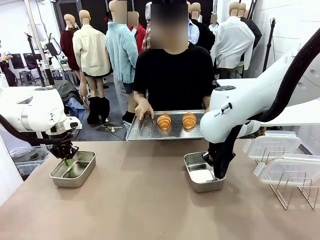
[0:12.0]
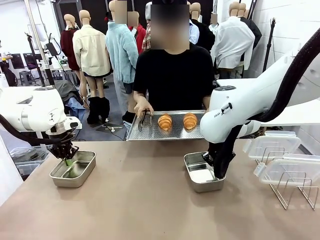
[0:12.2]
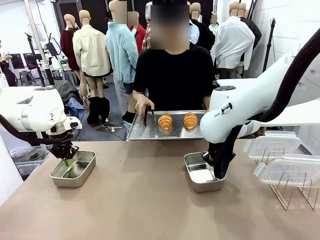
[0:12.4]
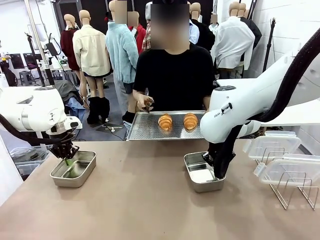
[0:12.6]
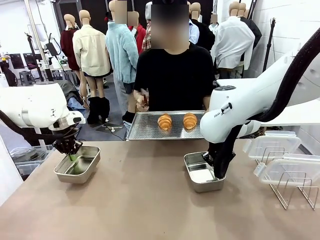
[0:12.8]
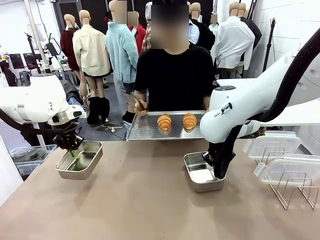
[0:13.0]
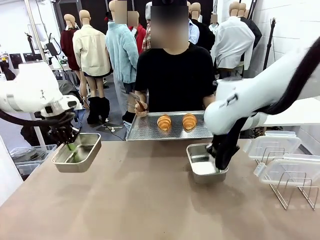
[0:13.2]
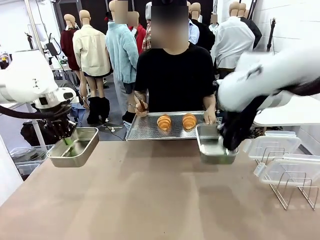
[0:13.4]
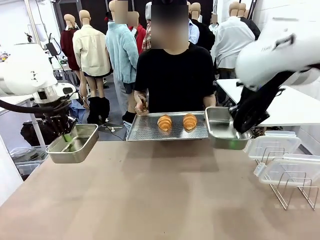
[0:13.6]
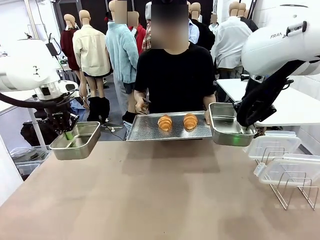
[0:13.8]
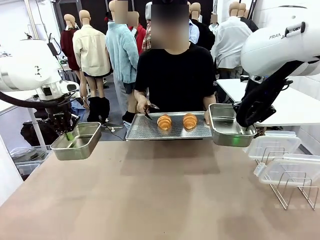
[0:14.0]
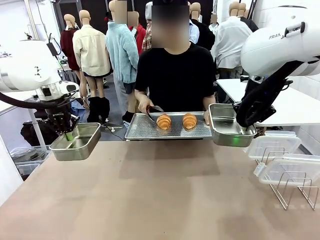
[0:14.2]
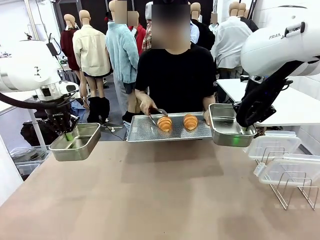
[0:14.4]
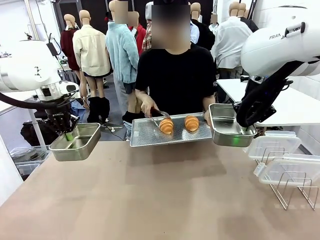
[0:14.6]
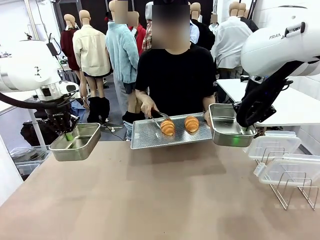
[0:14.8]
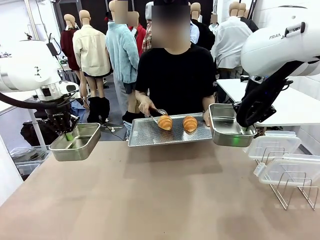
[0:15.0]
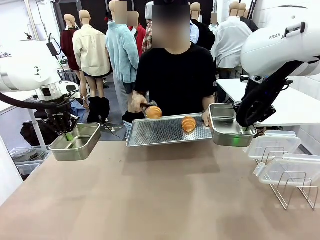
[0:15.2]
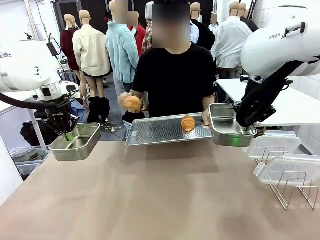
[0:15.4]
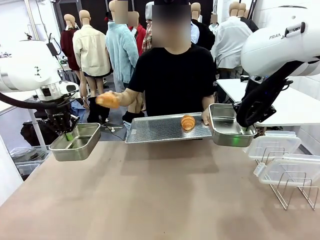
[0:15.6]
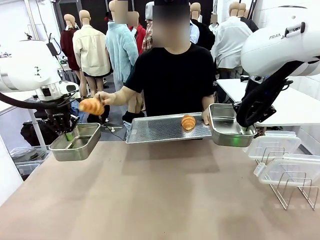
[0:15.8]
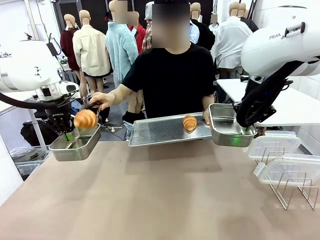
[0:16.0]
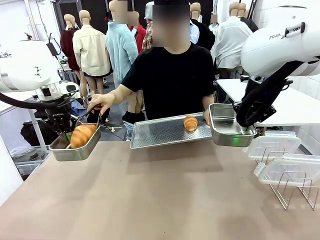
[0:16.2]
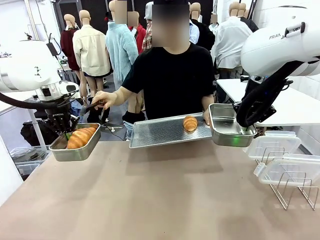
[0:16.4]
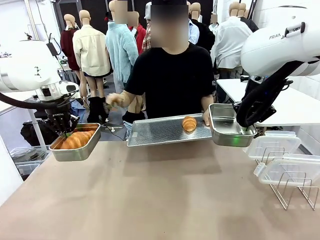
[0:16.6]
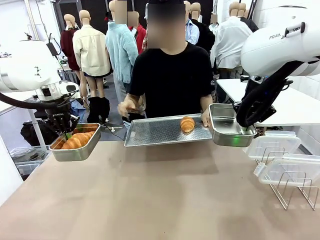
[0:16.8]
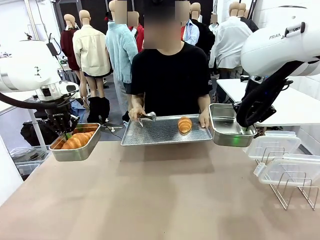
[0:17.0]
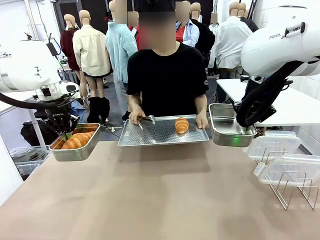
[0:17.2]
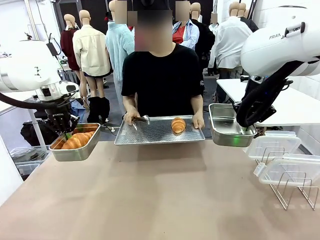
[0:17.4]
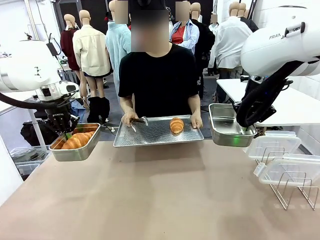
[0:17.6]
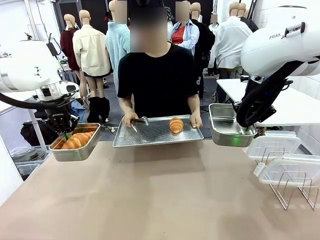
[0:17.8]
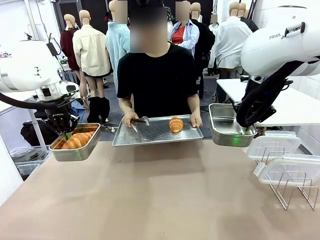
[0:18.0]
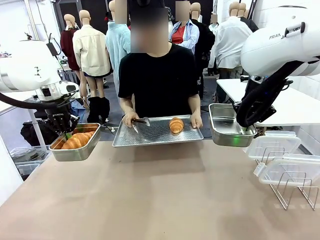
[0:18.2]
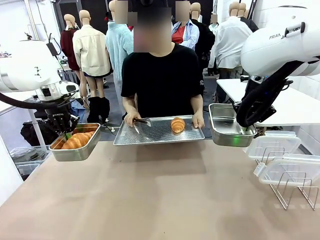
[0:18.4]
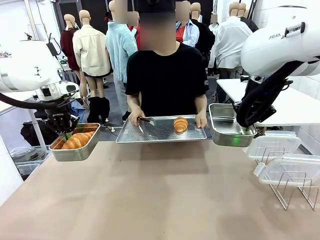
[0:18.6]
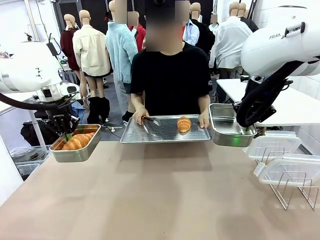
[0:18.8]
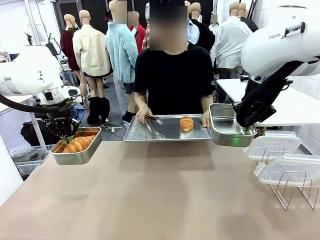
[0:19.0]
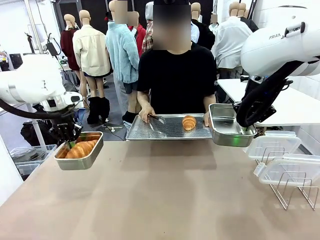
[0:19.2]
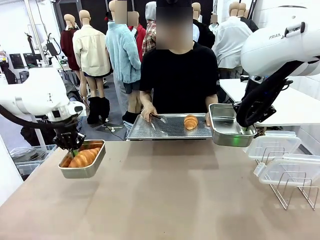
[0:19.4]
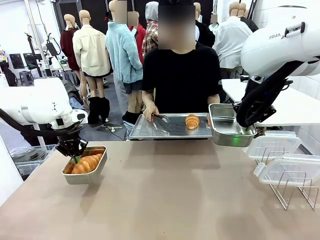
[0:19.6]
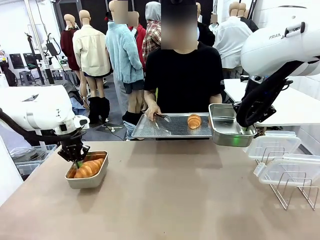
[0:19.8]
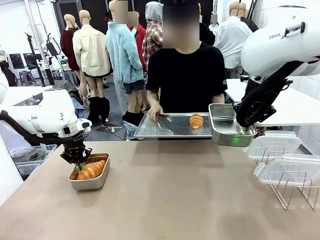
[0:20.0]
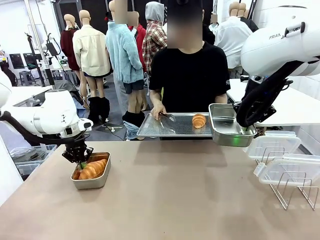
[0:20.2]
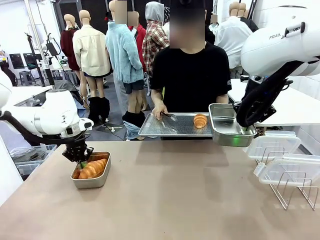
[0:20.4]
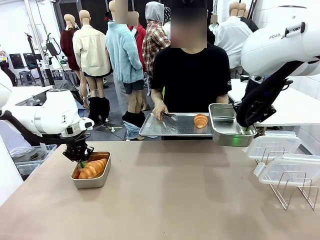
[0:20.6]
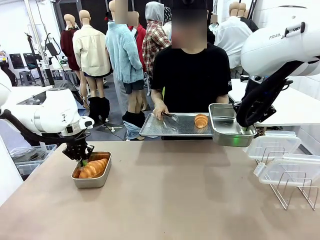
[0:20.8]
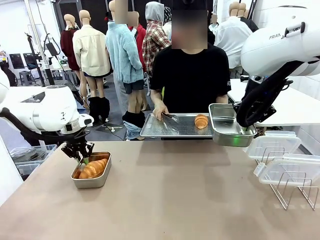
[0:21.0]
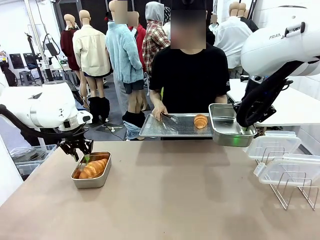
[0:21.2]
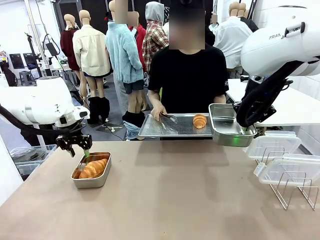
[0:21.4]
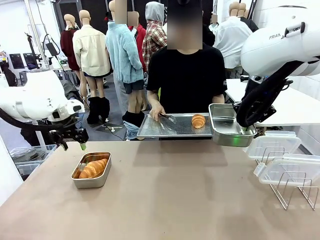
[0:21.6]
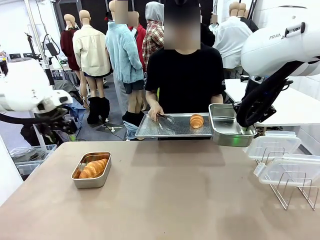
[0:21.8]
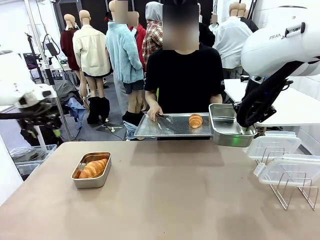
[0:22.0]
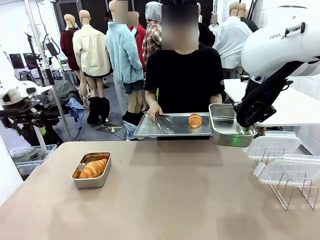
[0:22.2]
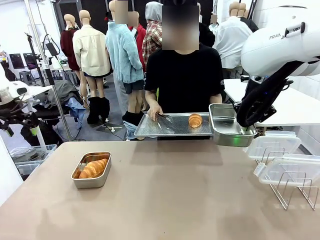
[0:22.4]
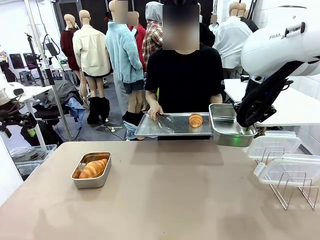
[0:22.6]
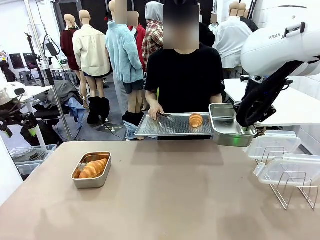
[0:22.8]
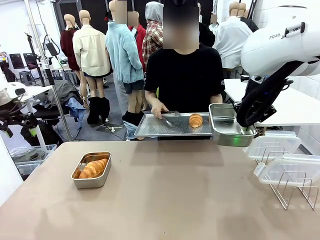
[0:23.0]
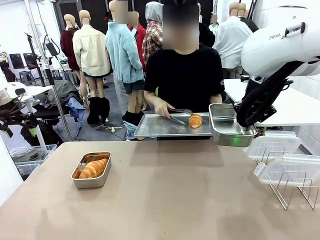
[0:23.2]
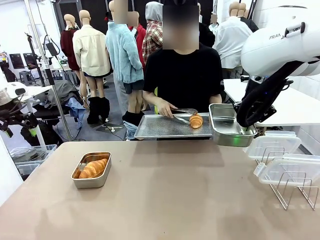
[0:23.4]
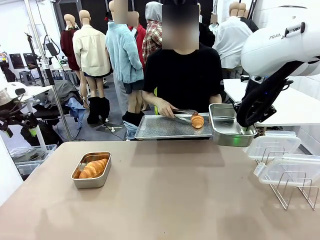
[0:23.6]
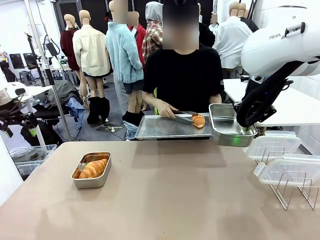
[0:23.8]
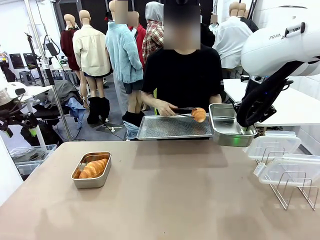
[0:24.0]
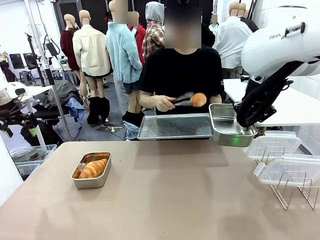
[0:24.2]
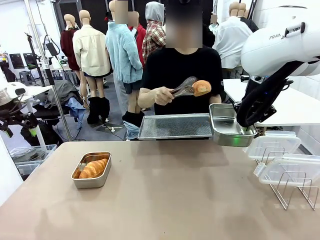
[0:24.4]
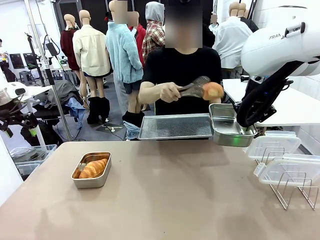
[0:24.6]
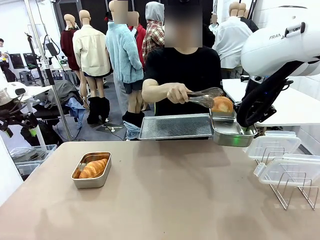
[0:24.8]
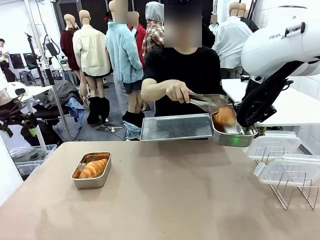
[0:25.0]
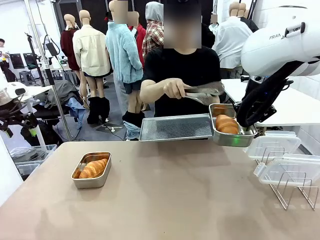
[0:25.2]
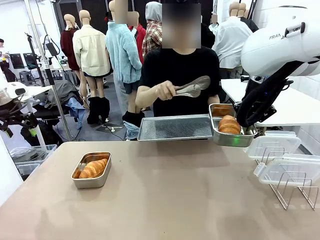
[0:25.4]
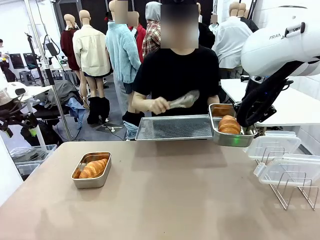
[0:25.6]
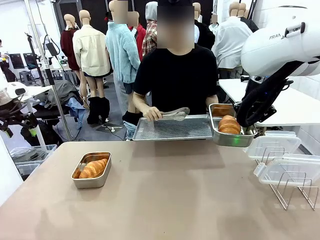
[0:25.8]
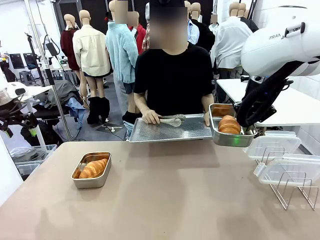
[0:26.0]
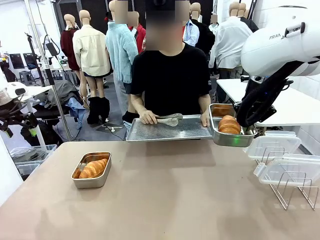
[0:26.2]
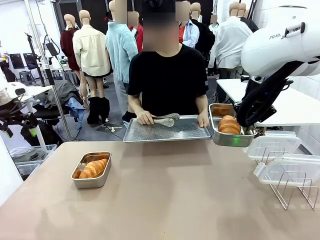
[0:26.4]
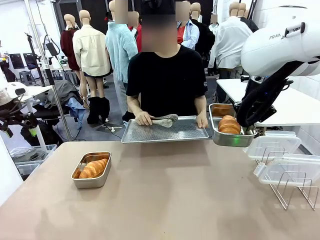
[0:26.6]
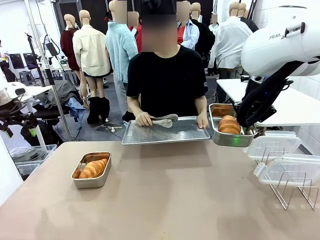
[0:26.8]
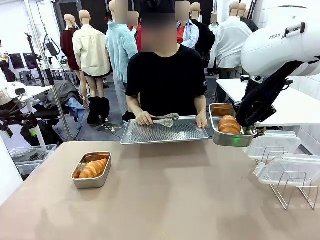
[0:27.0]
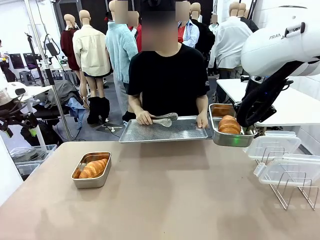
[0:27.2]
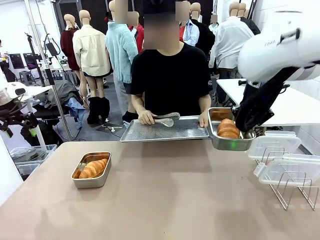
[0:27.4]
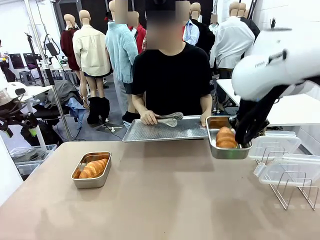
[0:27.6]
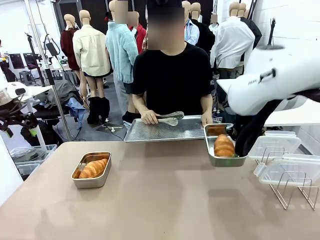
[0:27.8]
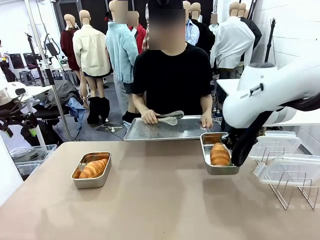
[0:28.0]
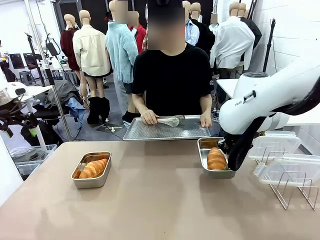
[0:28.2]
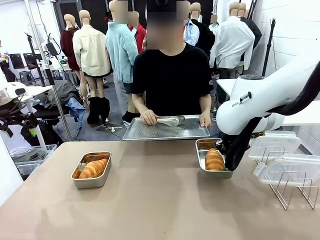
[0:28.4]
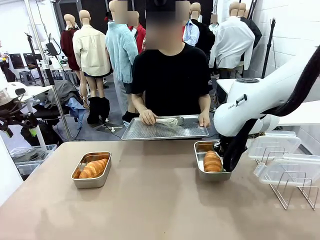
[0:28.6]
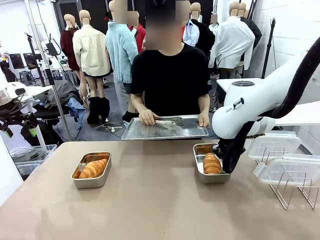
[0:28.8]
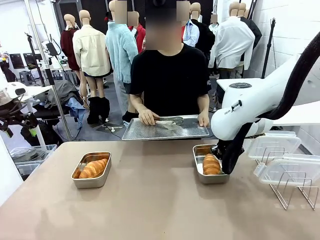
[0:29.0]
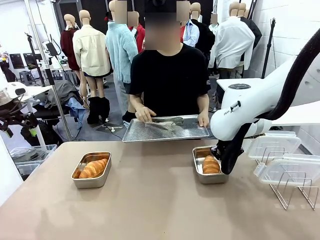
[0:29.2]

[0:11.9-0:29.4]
Task: Place the bread in airtight containers.
Robot: Once an object is inside an Airtight Container , place the container in the center of the table.
Person: Use the Stainless steel tongs to place one object from Baking Sheet into one Airtight Container.

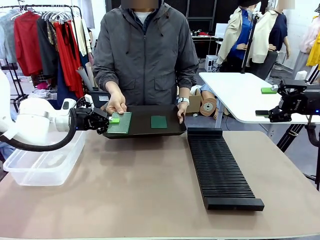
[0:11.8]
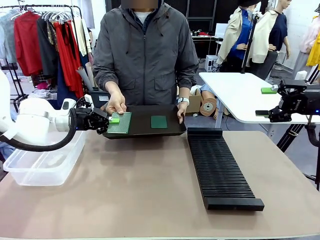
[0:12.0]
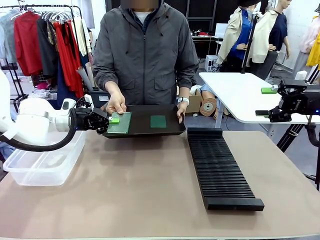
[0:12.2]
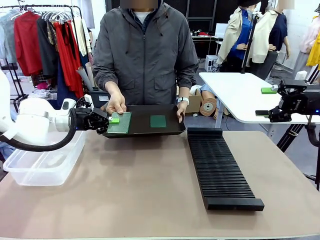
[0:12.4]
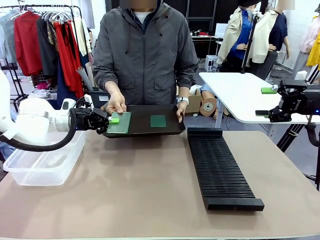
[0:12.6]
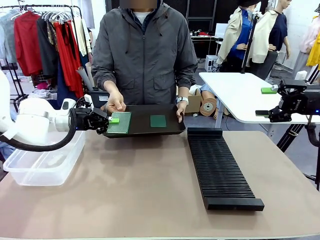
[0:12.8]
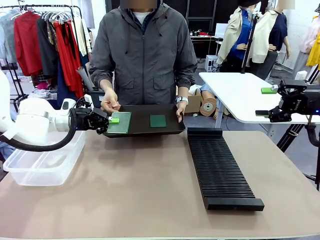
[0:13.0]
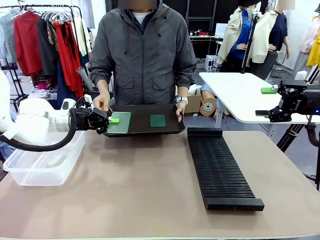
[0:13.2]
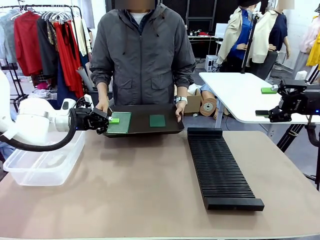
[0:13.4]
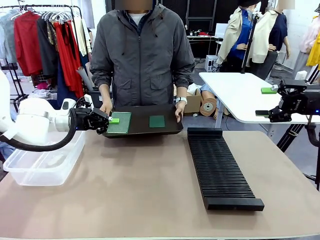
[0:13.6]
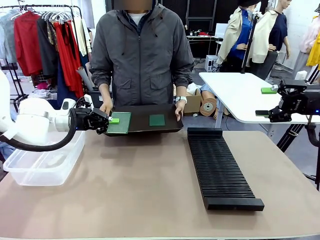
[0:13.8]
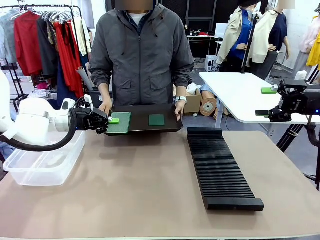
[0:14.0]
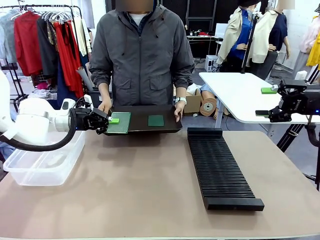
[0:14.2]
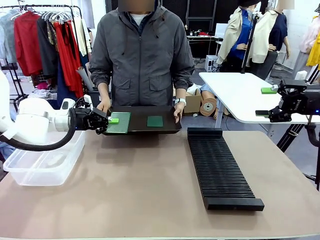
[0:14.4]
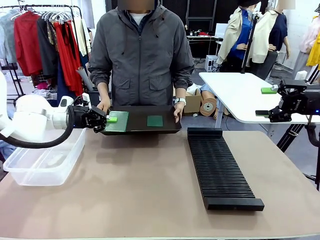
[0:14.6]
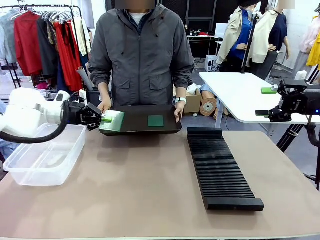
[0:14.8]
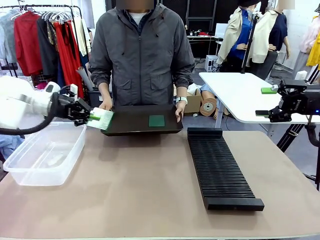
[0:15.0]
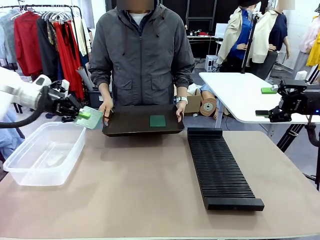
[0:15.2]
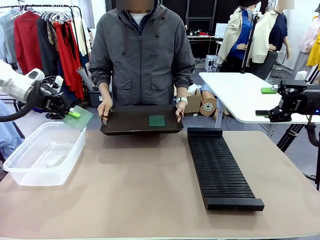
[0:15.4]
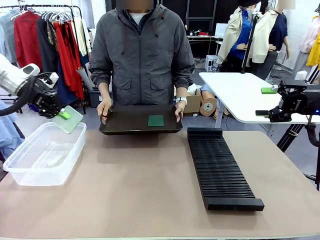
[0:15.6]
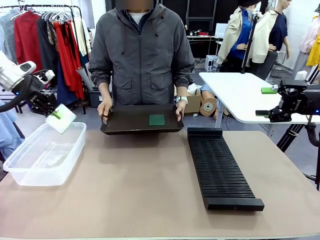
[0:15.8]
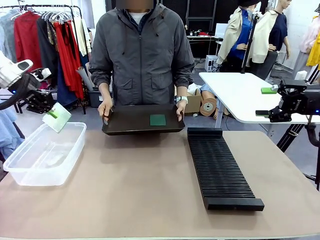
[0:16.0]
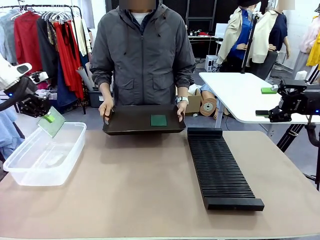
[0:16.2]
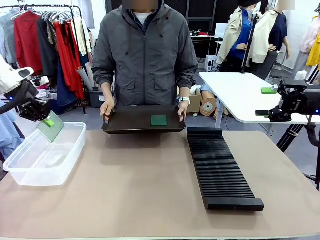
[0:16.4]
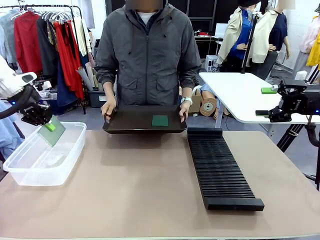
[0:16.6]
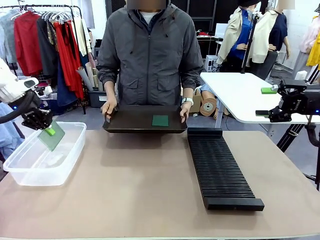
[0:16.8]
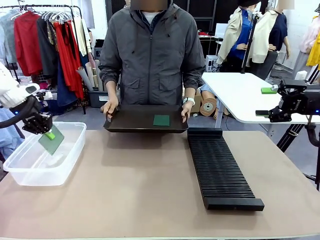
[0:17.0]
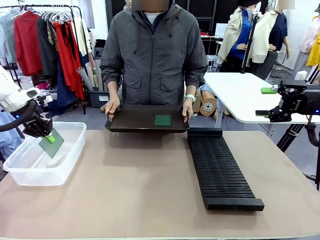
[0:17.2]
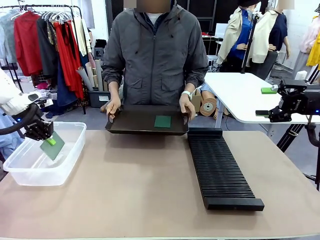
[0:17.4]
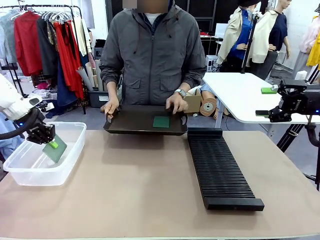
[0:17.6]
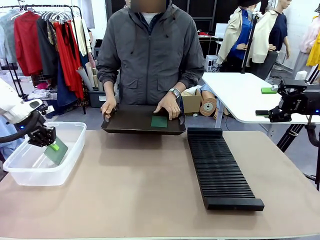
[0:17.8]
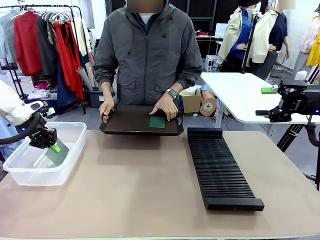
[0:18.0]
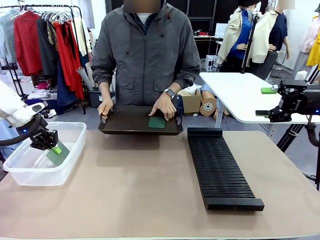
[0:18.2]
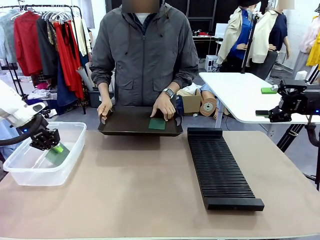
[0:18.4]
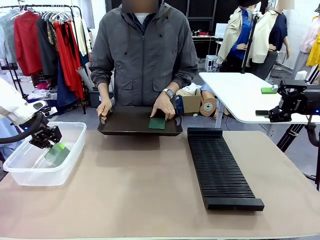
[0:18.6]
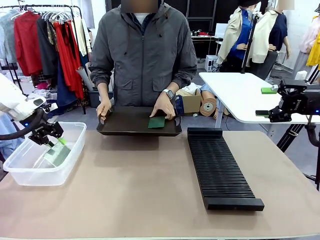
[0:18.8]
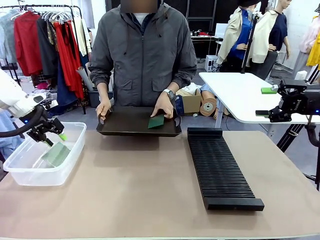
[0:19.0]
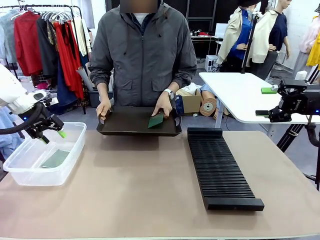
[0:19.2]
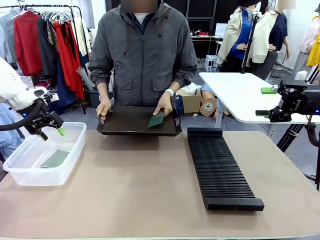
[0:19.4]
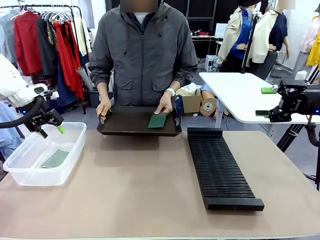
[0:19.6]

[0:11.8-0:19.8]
Task: Sort PCBs into racks and boxes based on the side picked up.
Robot: If the short side of the Blank PCB is picked up, insert it into the PCB Rack ; if the long side is picked up, place it in the Organizing box.
Person: Pick one PCB from the tray and present it to the robot.
